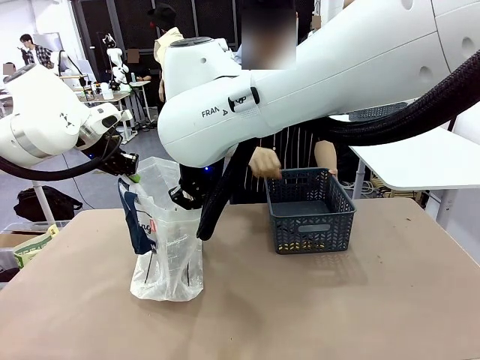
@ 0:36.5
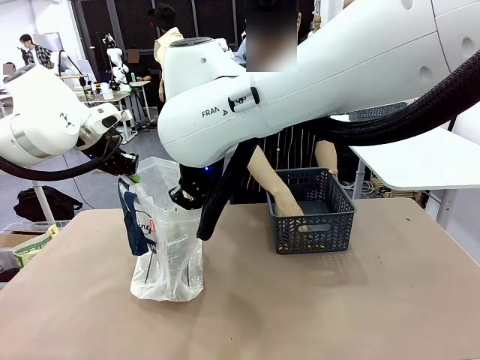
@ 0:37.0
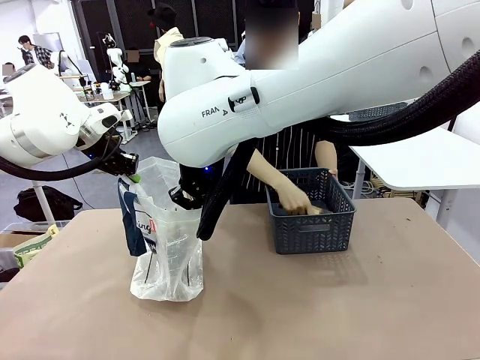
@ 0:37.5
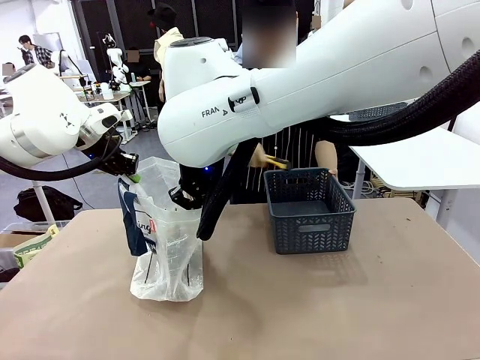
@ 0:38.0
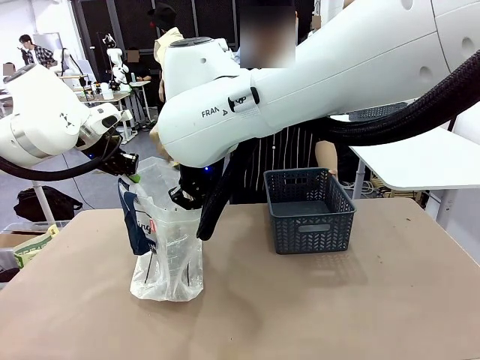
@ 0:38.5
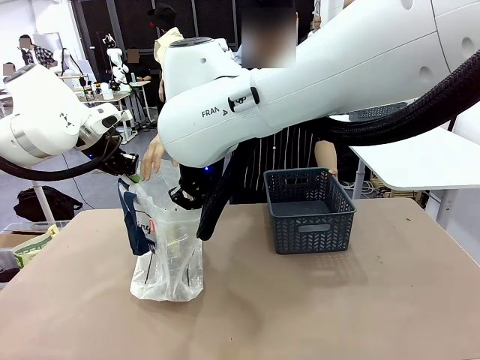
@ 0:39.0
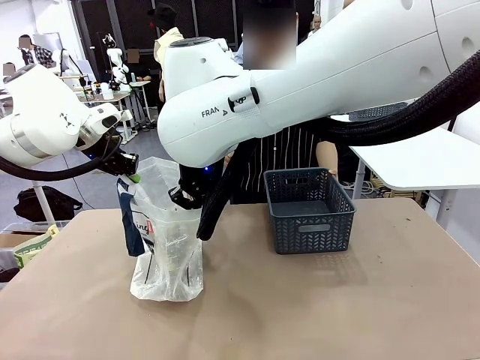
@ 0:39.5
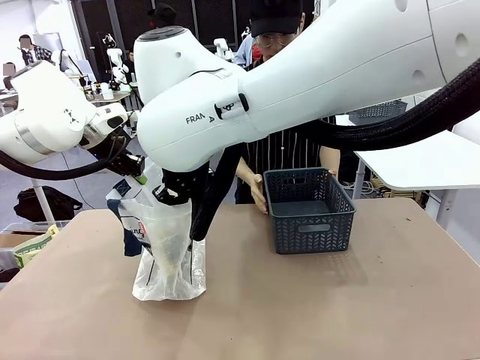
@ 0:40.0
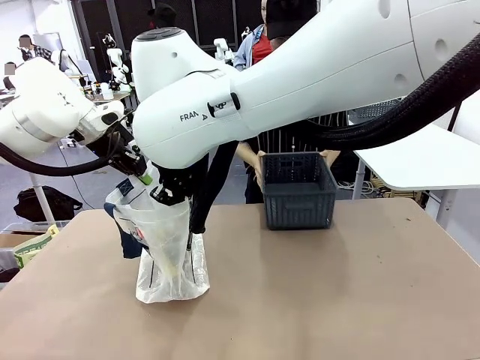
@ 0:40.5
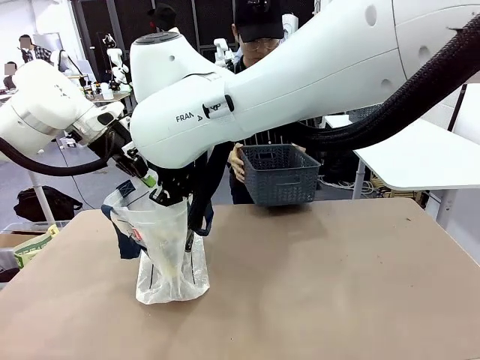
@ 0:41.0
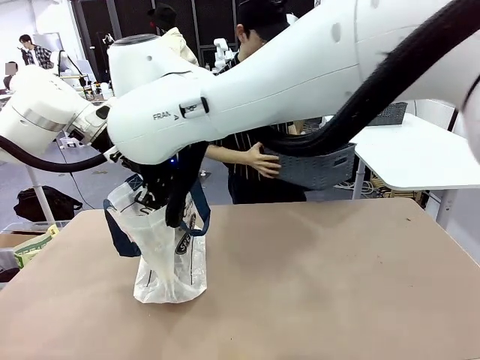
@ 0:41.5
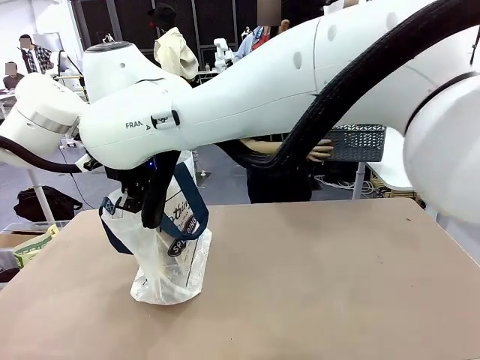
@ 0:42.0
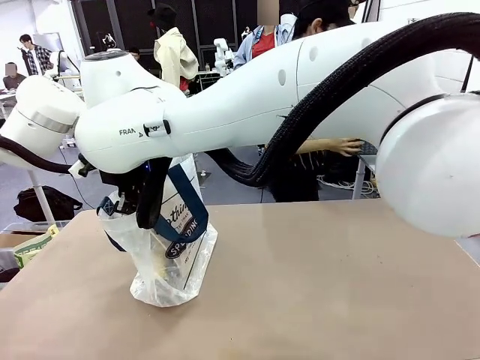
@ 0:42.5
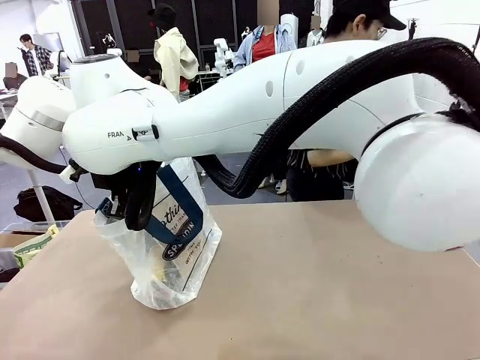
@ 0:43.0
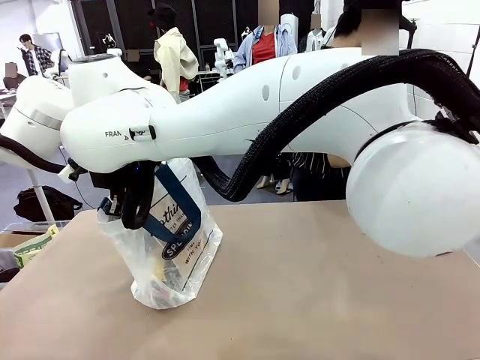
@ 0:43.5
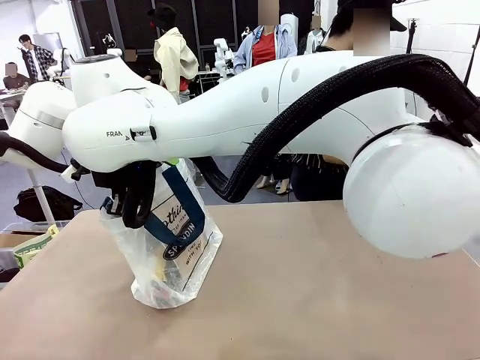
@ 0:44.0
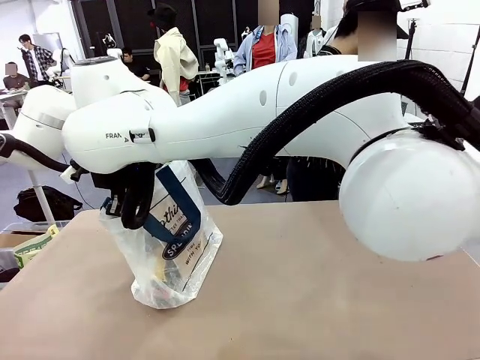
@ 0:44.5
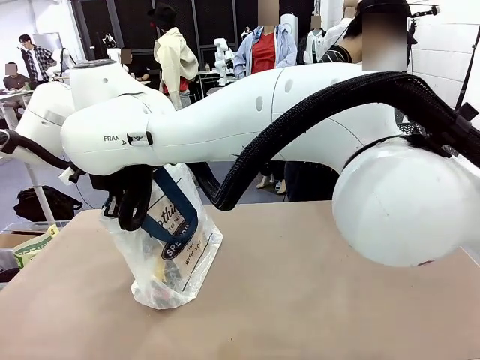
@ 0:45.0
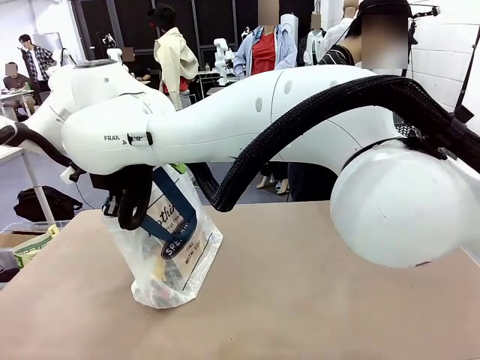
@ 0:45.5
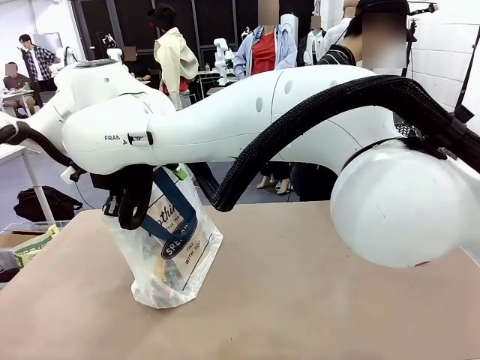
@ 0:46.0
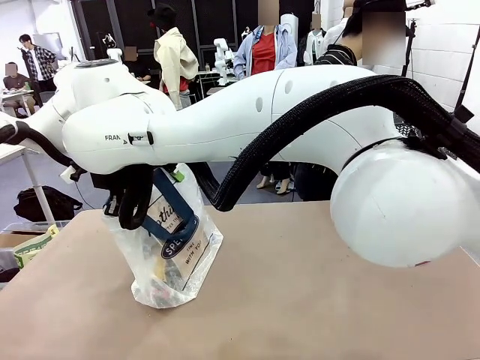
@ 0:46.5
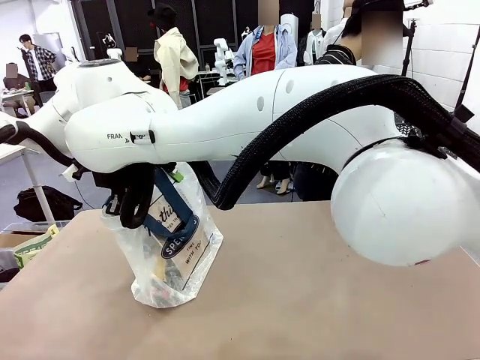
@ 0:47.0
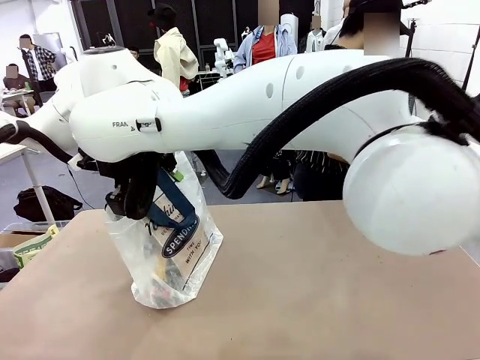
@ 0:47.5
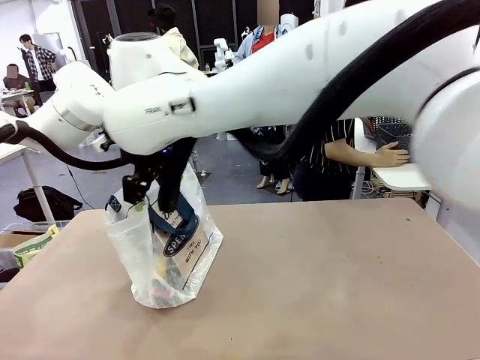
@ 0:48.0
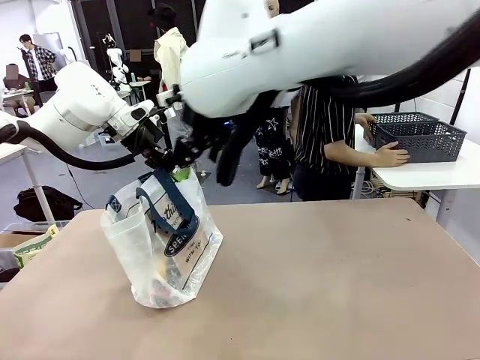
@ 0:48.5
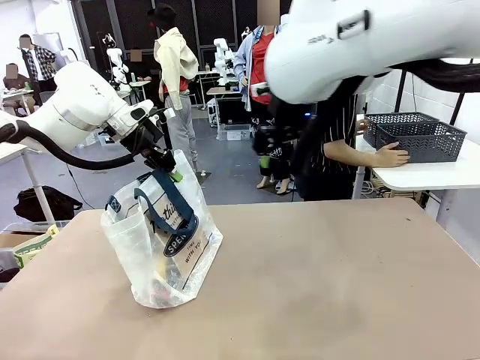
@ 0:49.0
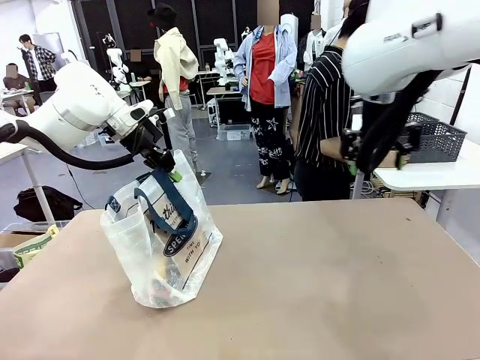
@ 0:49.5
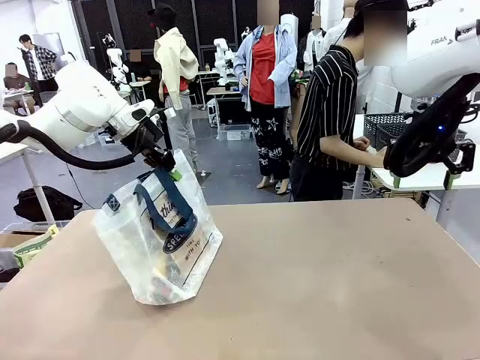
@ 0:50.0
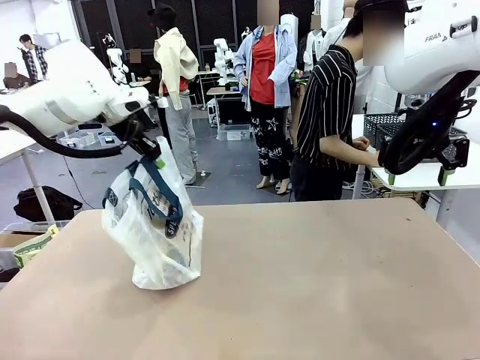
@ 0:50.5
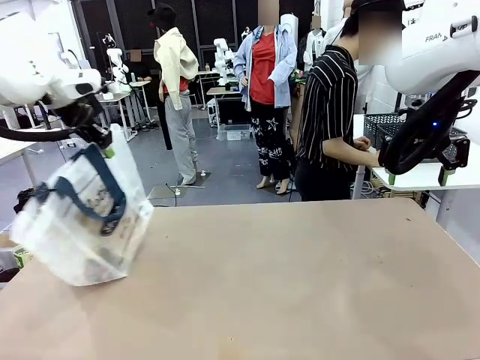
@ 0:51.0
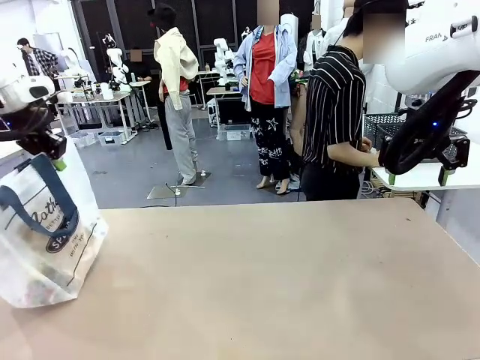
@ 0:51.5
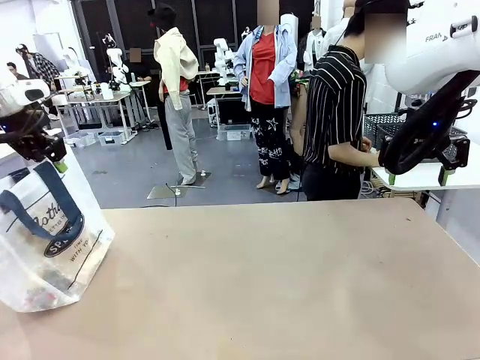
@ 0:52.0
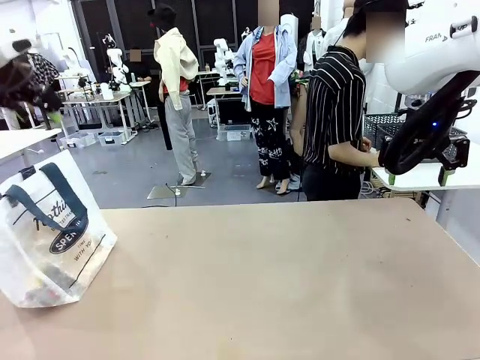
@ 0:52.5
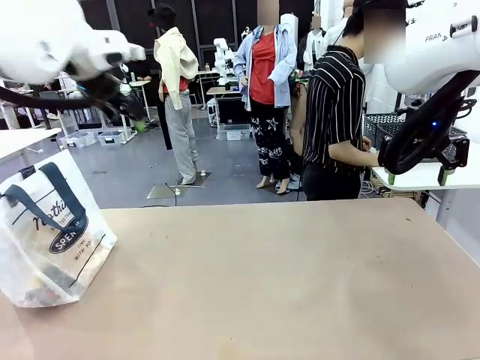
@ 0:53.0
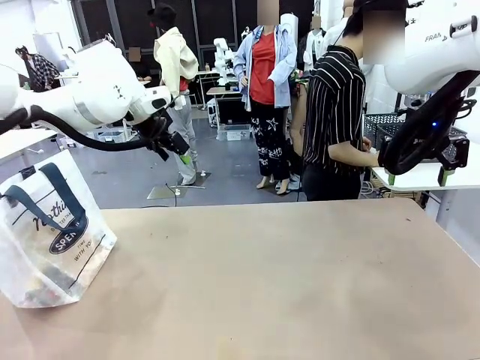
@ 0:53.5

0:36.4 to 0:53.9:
Task: Transfer purchased items from the store into the shopping bag.
Robot: Move the Reusable shopping bag to the right side of the table.
Person: Move the basket on the left to the middle of the person's table.
